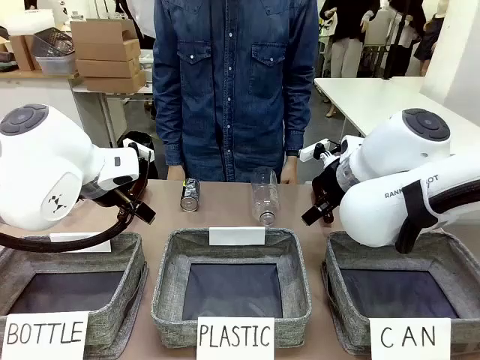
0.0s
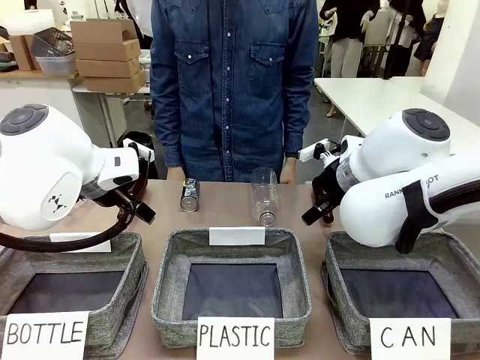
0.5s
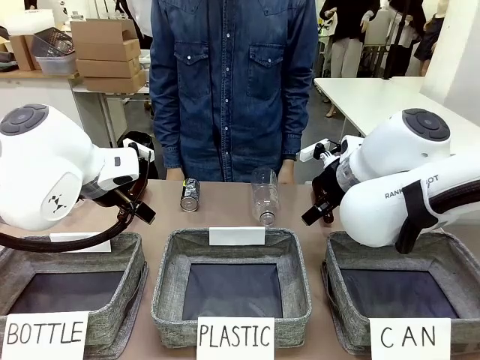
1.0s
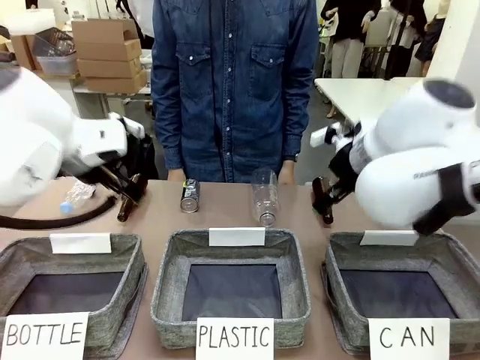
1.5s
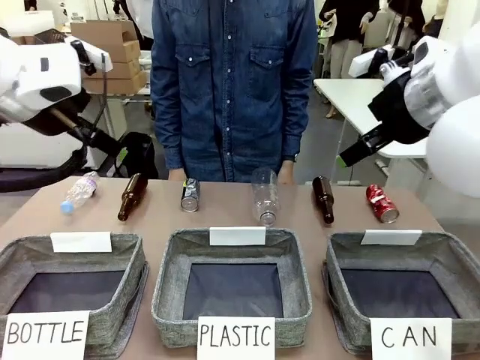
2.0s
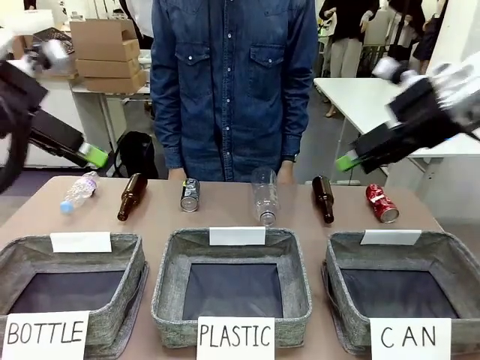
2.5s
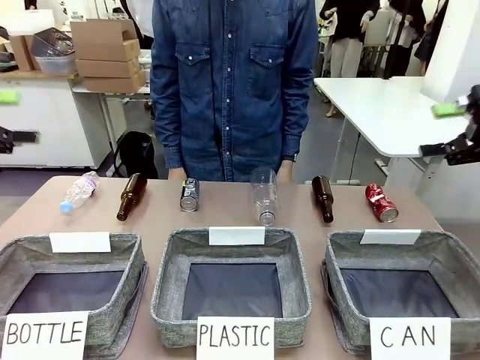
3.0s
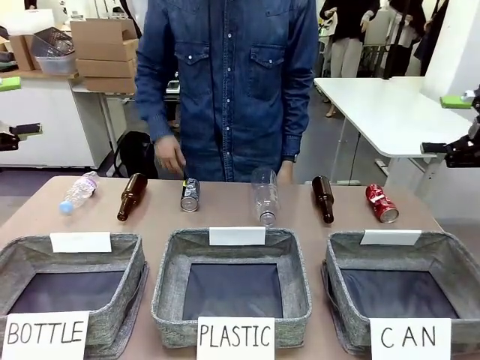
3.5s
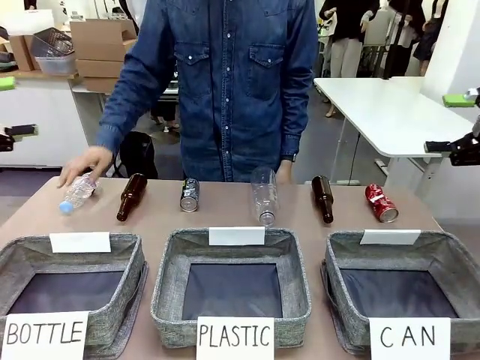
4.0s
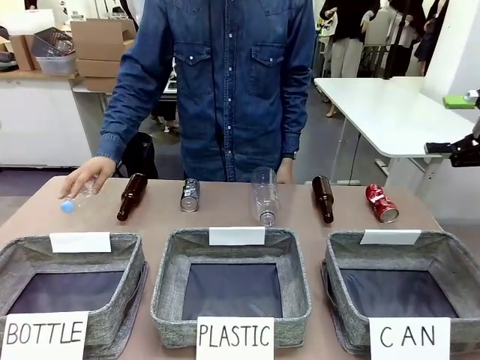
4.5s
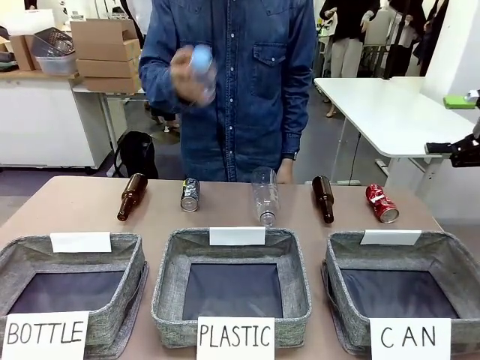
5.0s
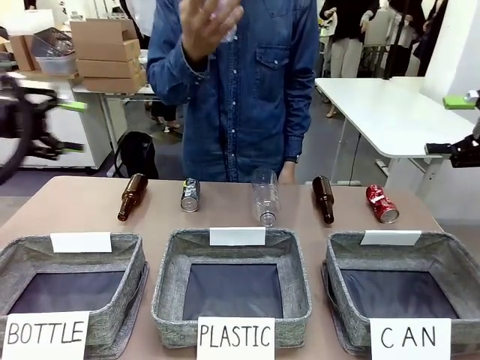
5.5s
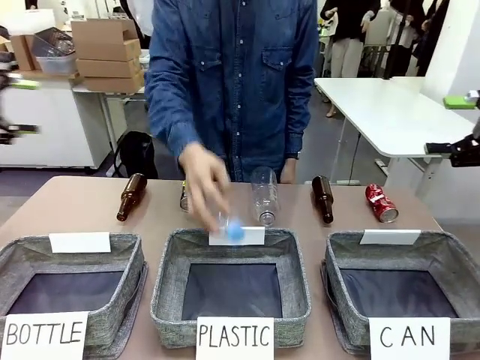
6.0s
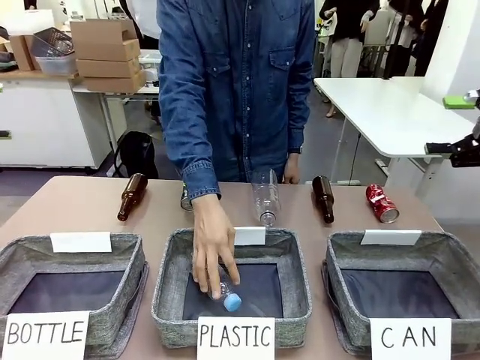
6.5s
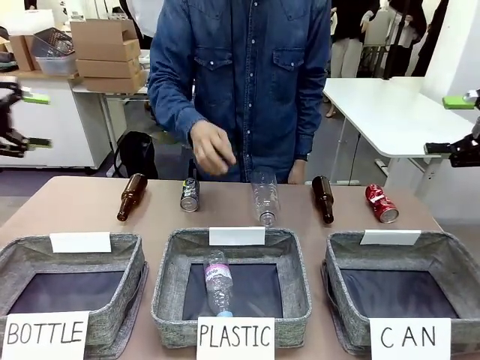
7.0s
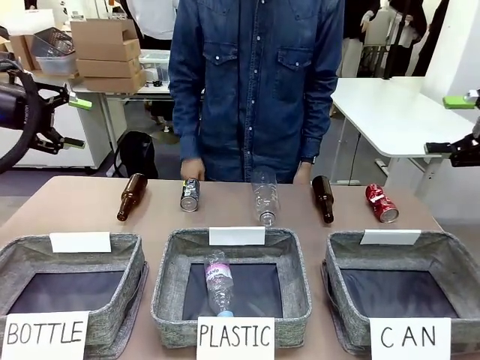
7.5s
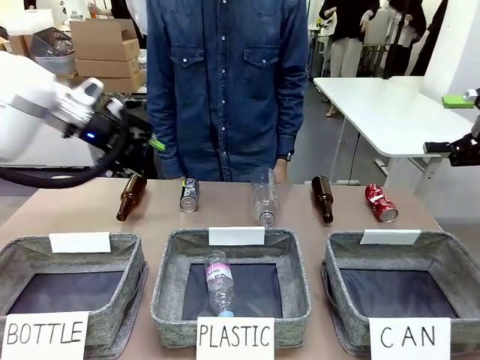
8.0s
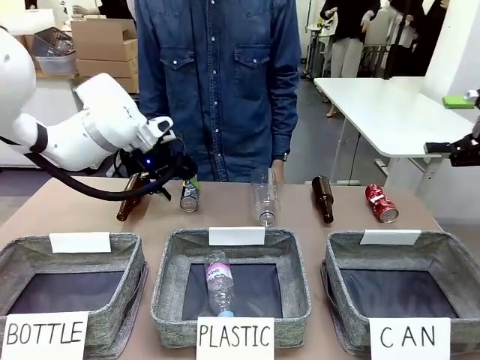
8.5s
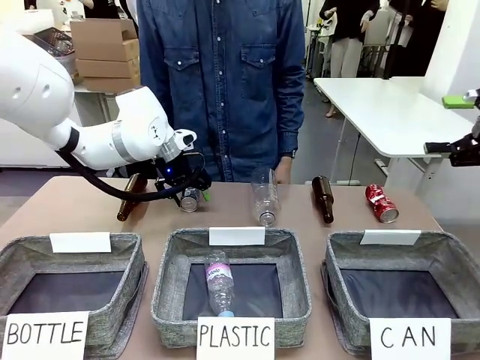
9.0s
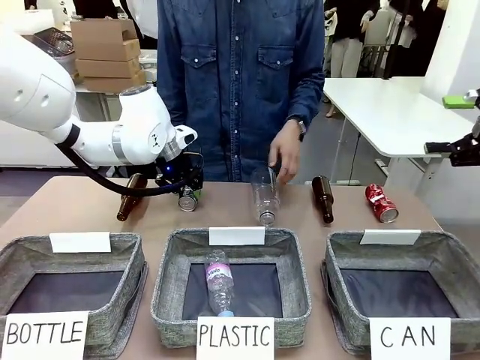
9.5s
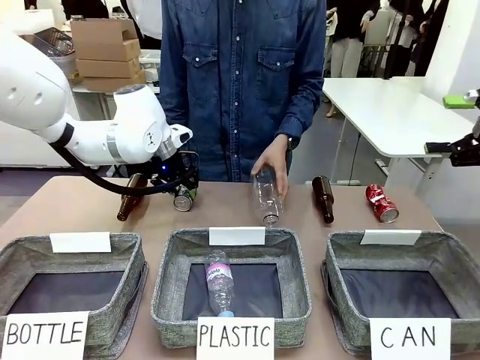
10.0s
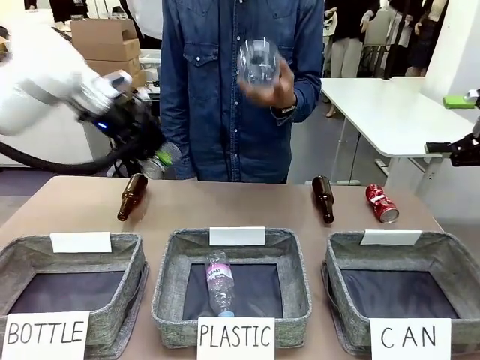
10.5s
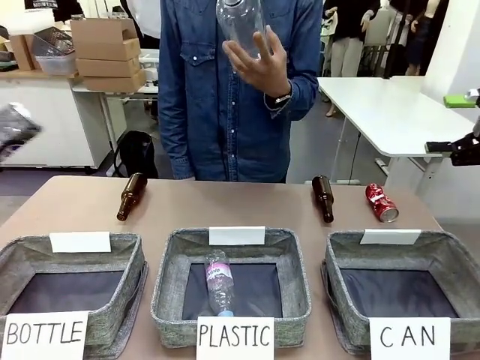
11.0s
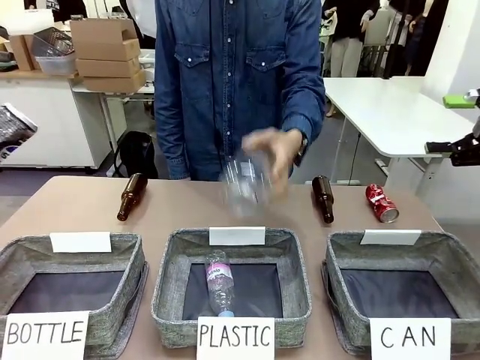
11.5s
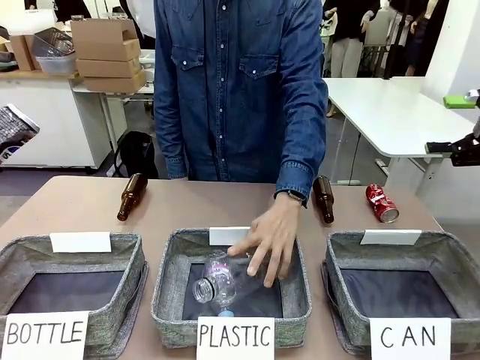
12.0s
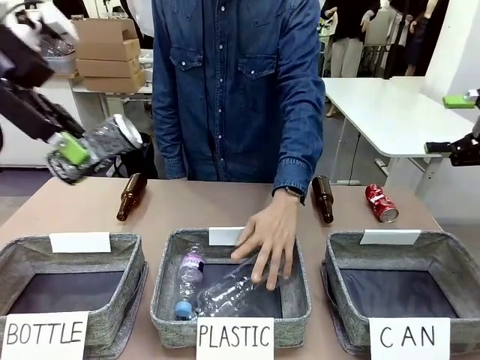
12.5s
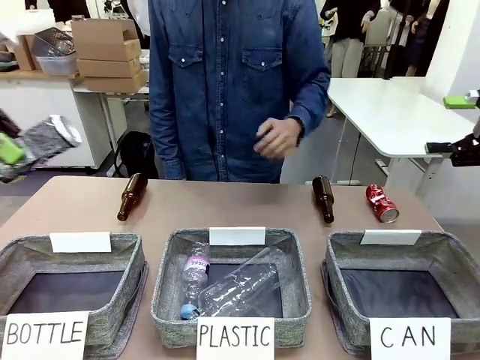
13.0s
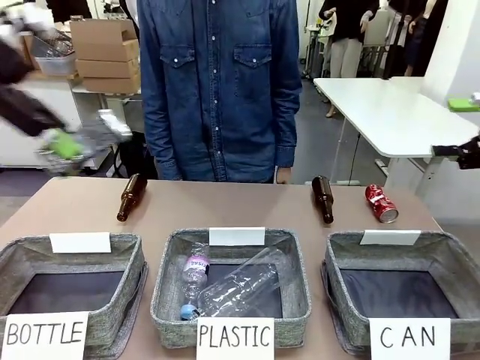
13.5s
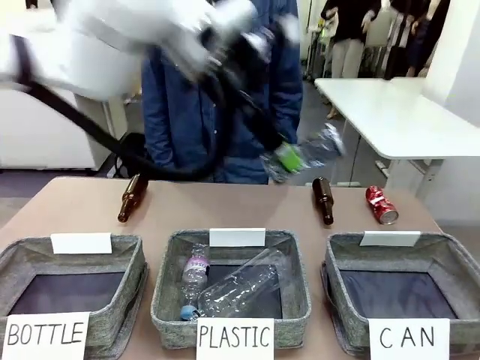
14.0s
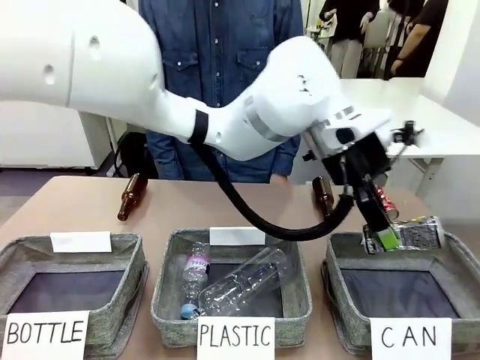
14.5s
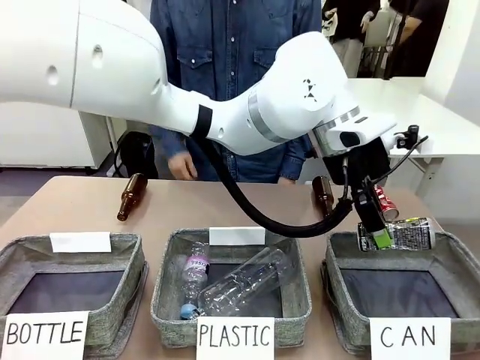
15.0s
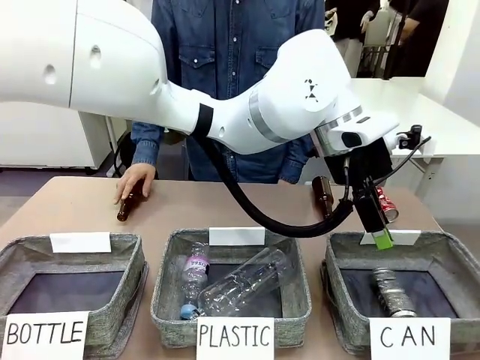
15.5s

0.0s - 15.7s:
Task: Sort the can waste into the basket.
Robot: Pick up the can waste from the table and place it in the right Fabric basket.

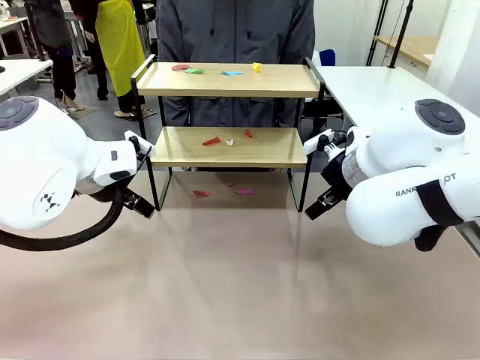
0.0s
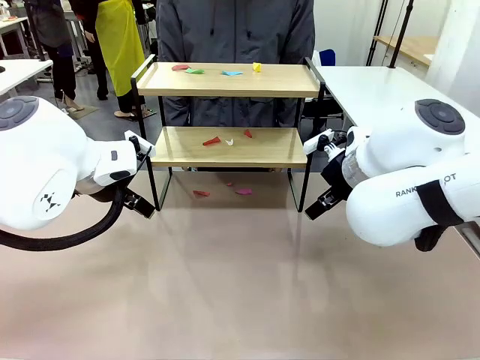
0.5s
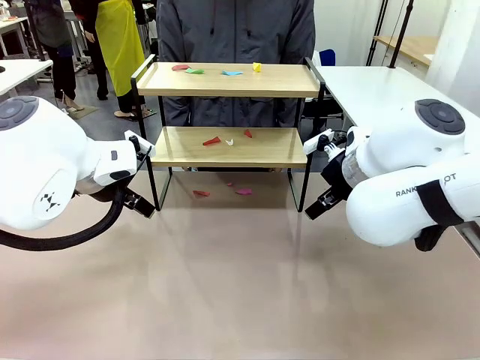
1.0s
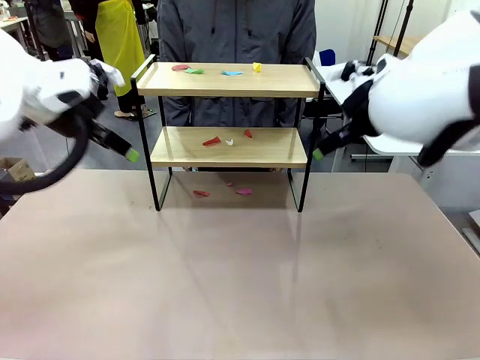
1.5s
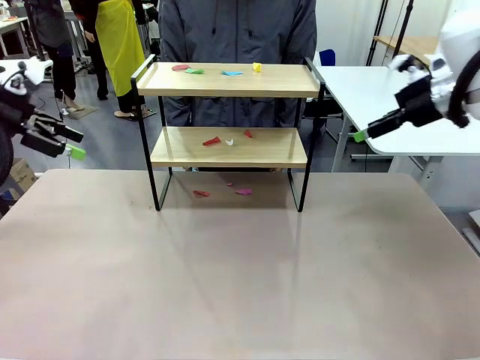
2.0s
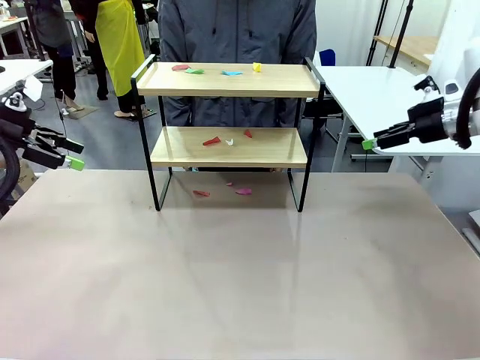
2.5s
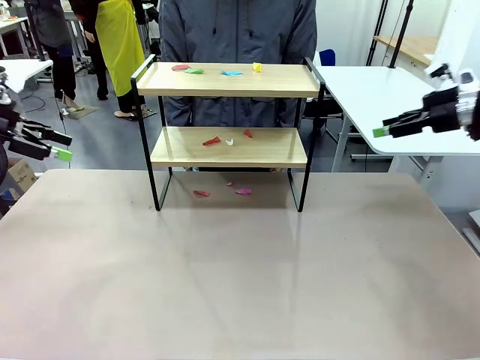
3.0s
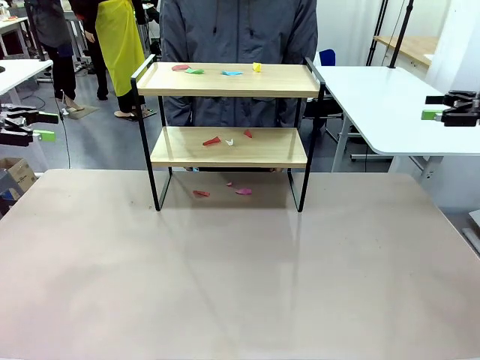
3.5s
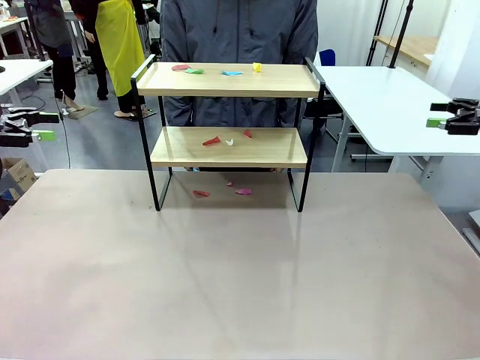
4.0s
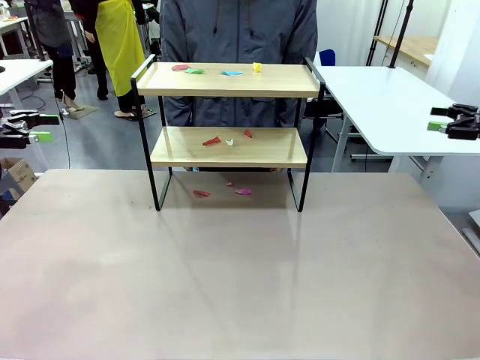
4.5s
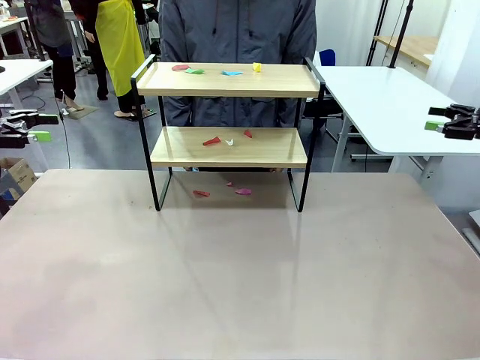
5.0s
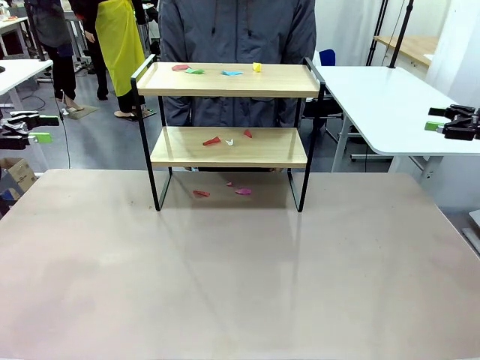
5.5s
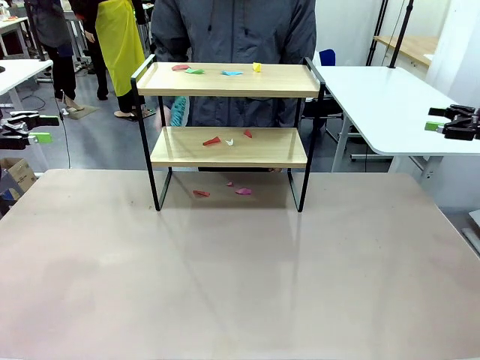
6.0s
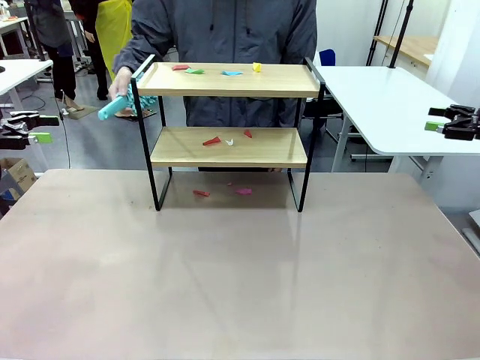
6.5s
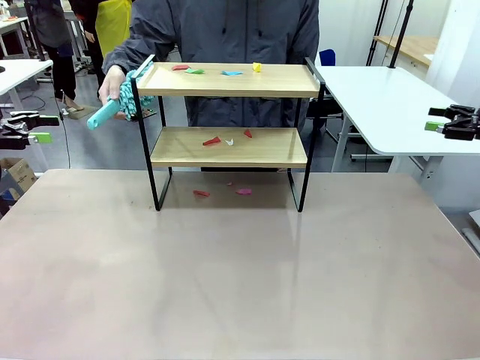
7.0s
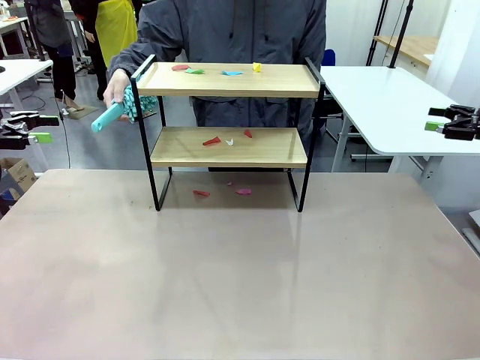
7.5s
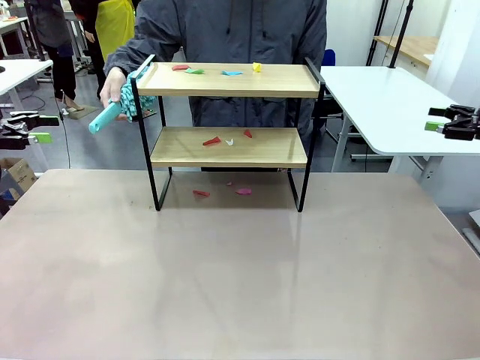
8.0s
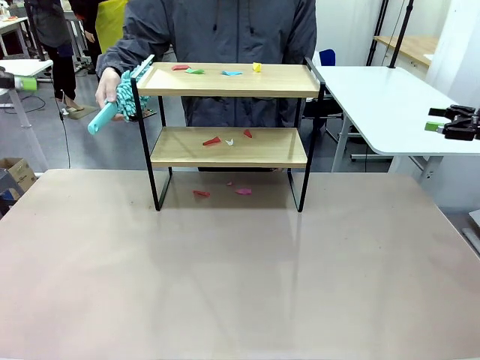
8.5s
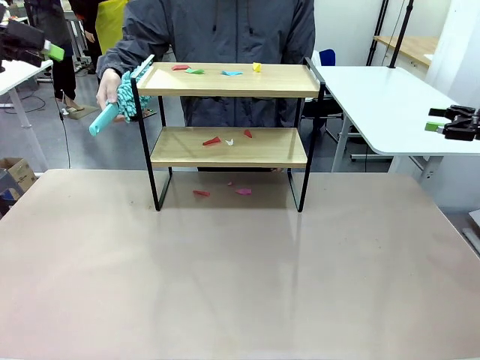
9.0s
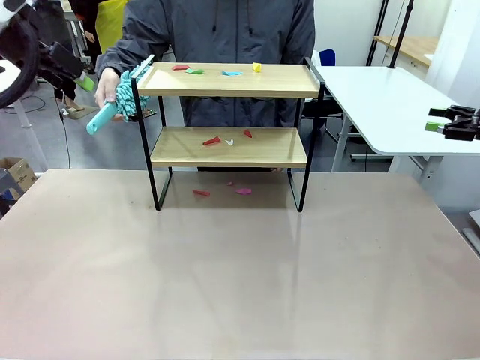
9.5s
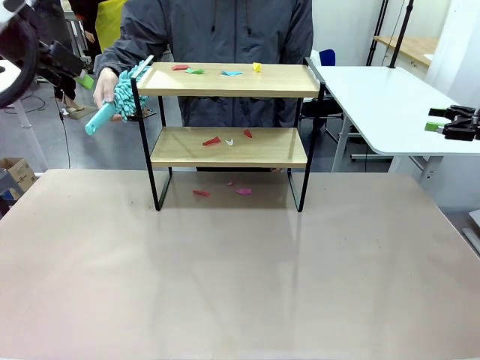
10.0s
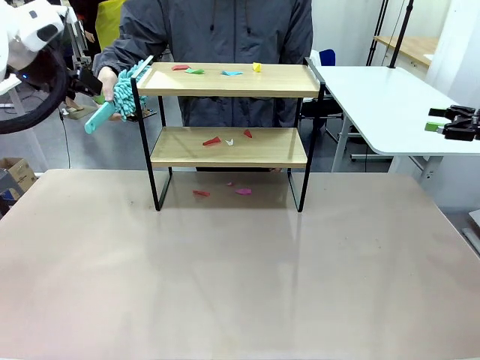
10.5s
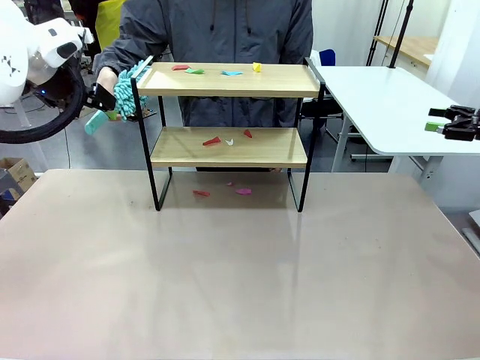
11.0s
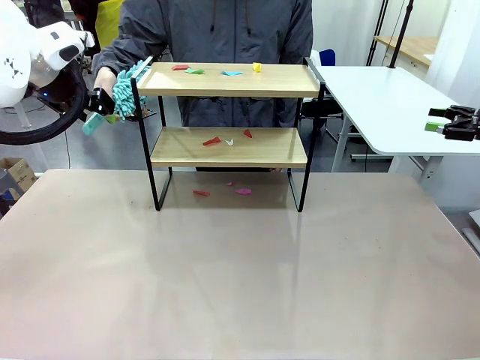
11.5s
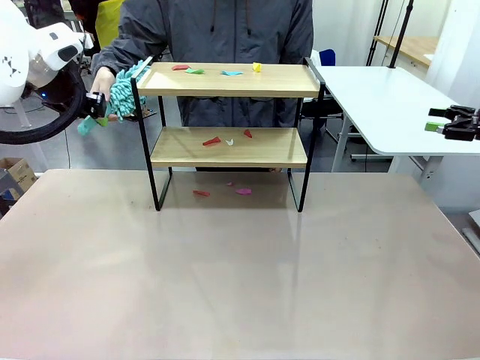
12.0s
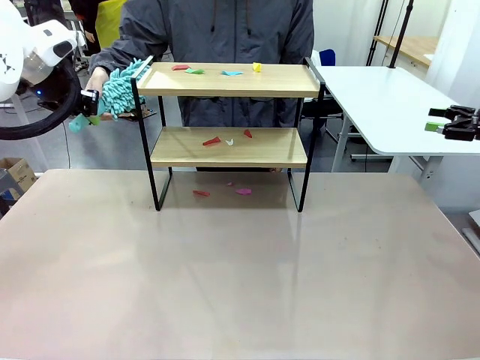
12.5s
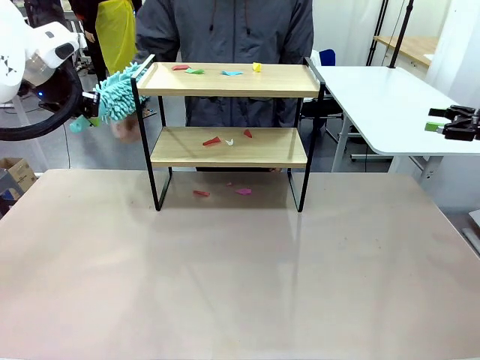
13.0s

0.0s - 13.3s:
Task: Clean the shelf.
Robot: Pick up the Duster handed by the human.
Person: Hand the Duster to the robot.
